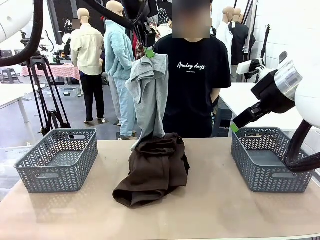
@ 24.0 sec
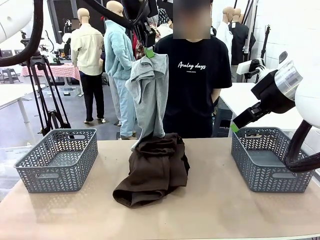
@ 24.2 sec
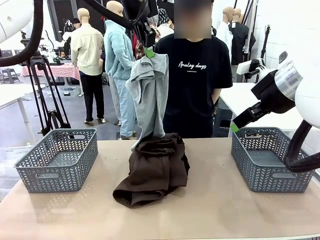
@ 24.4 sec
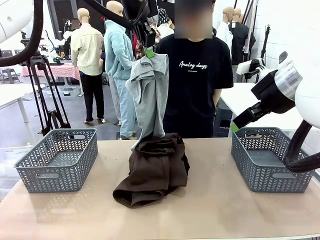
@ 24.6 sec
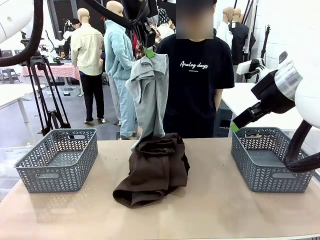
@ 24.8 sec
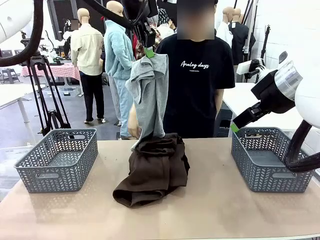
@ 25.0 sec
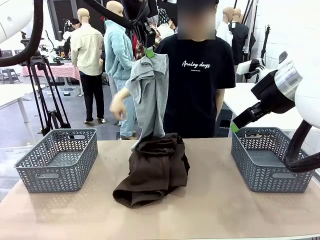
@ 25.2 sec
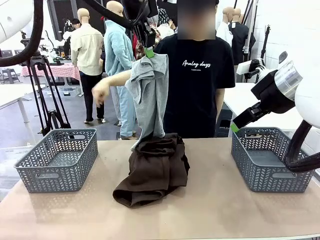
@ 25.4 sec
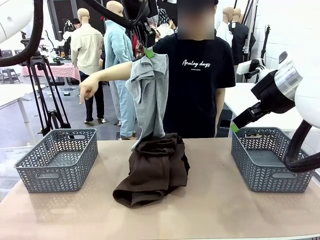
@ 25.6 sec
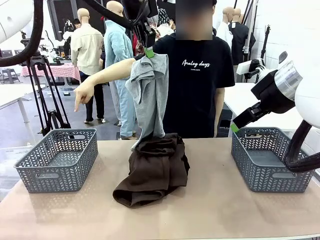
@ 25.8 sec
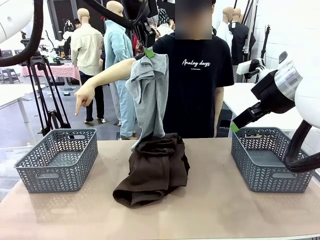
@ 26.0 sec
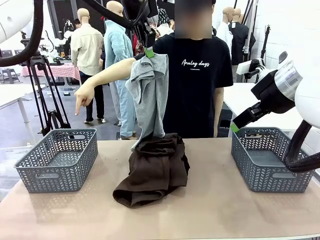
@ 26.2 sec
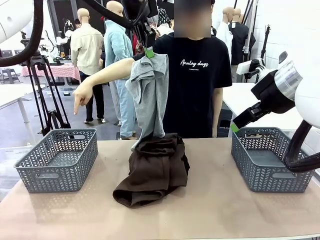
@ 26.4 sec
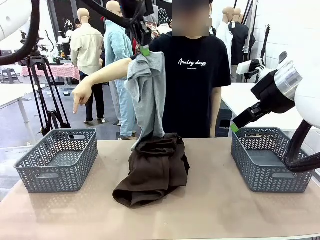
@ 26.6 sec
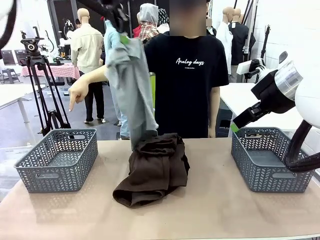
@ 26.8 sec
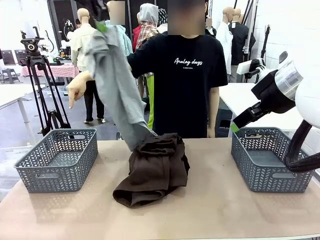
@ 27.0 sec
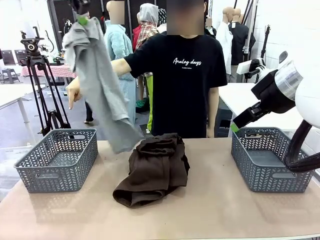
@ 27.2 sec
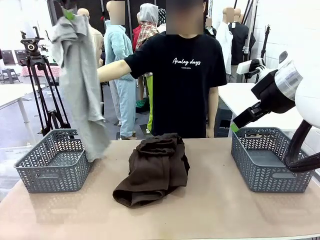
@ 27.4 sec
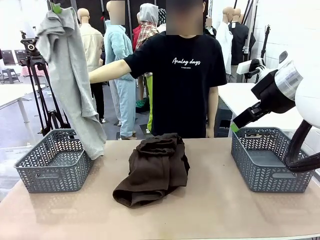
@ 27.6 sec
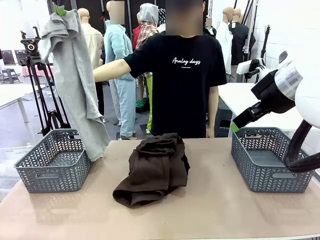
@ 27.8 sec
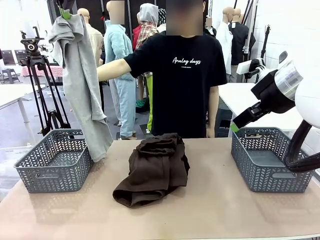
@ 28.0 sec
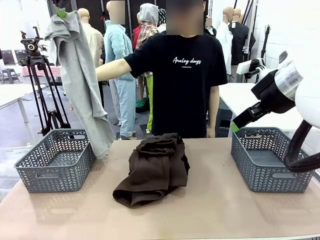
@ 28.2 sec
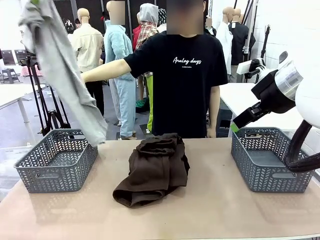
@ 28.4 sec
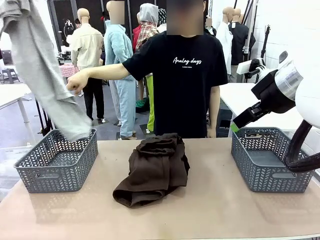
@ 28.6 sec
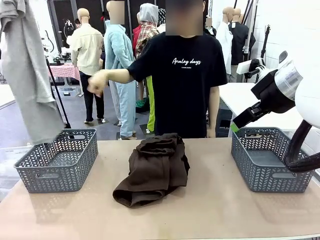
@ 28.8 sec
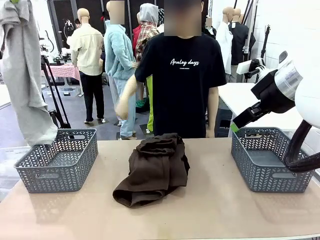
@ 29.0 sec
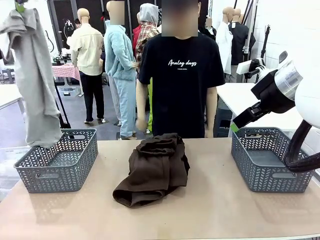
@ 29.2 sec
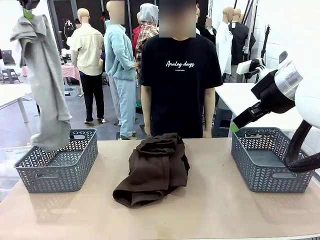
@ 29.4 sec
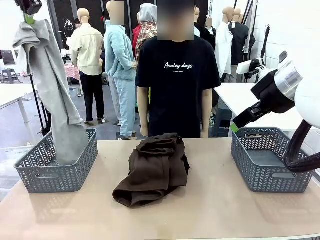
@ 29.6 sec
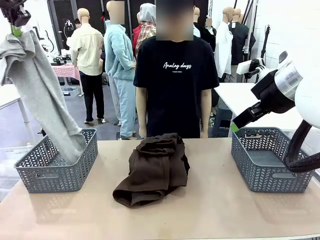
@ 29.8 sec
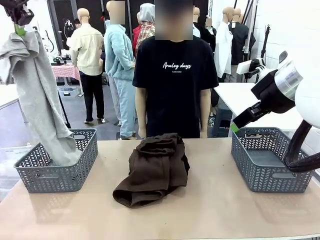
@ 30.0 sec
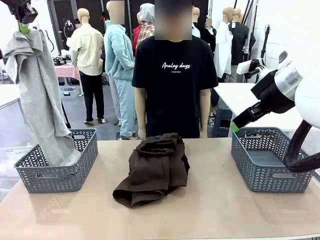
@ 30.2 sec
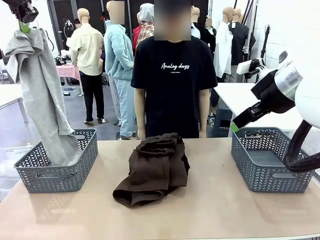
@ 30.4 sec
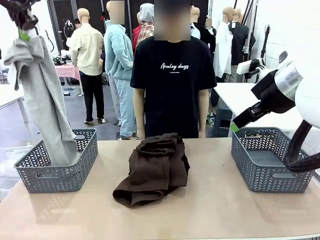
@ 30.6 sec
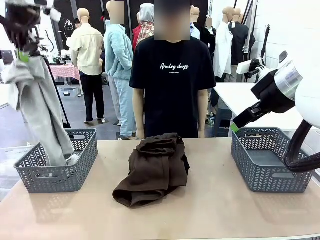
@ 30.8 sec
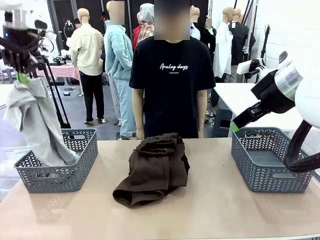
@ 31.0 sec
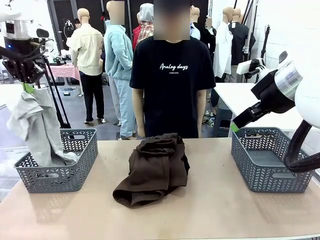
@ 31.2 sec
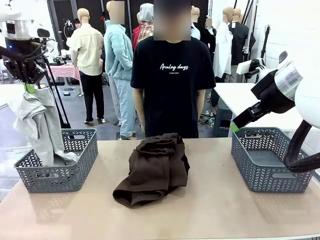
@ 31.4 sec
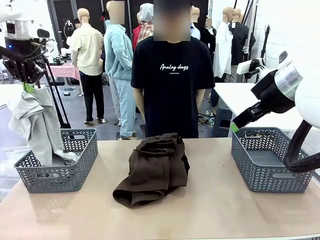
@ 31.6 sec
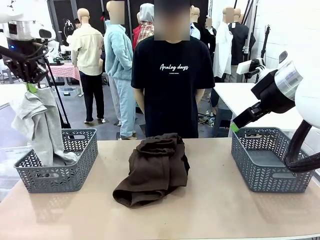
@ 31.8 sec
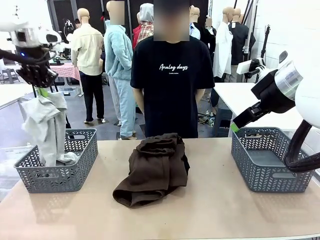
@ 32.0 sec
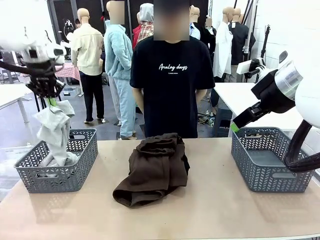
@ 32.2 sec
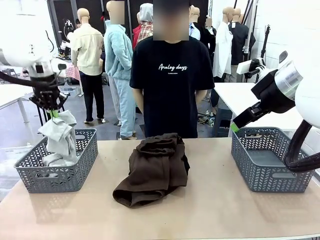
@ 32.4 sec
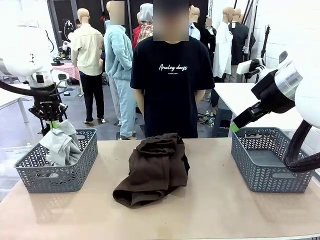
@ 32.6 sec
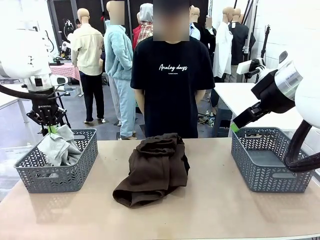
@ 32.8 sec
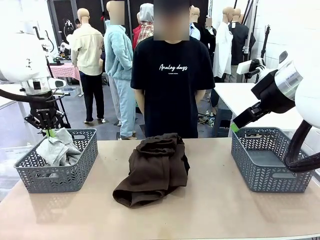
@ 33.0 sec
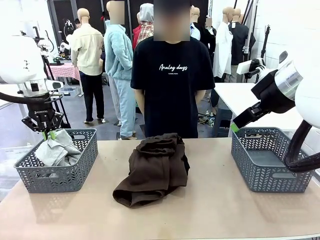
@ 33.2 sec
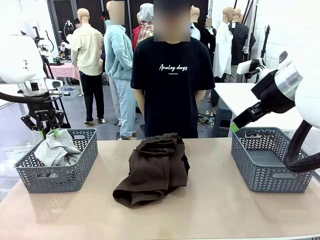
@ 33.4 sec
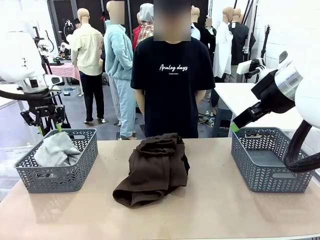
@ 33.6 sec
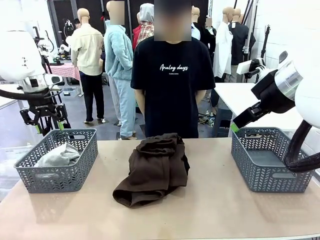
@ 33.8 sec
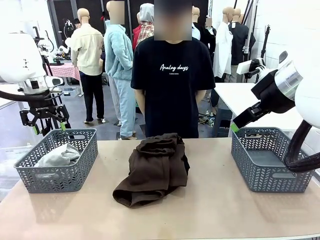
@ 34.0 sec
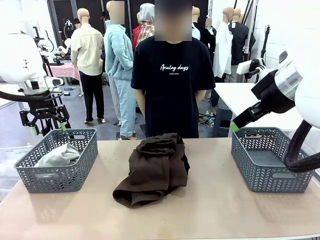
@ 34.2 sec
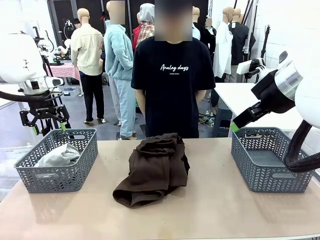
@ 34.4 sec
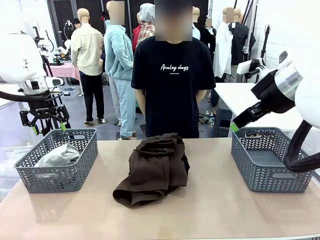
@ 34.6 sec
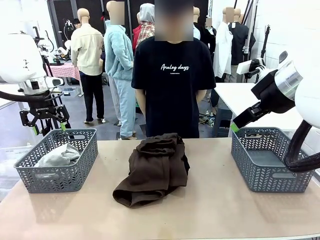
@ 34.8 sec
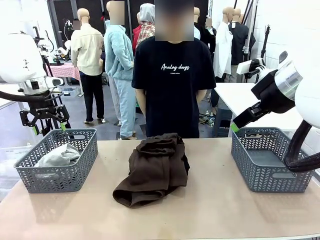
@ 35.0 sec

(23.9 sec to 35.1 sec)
Task: Sort the tops and bottoms.
Robot: Sort the clothes according to human instructions.

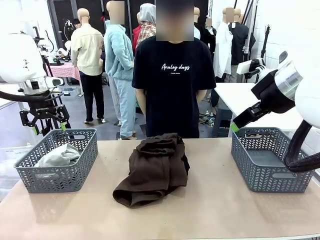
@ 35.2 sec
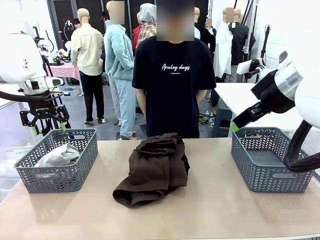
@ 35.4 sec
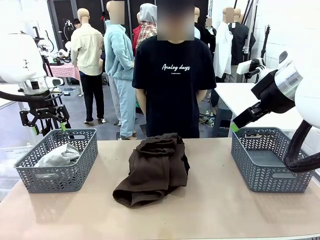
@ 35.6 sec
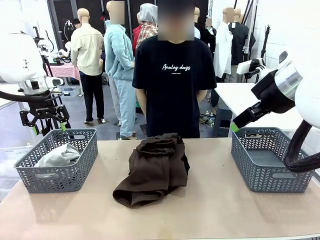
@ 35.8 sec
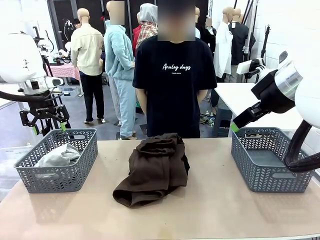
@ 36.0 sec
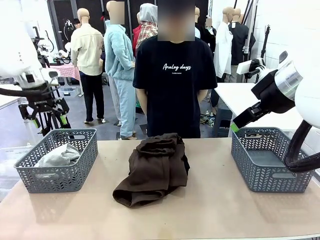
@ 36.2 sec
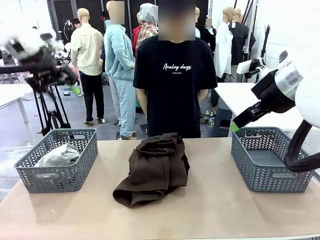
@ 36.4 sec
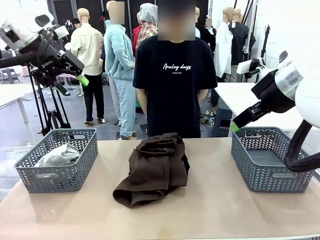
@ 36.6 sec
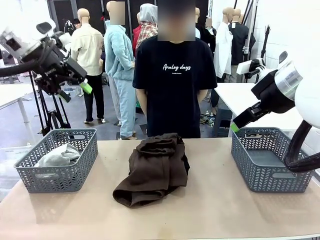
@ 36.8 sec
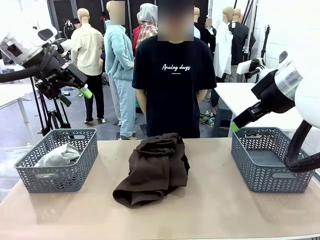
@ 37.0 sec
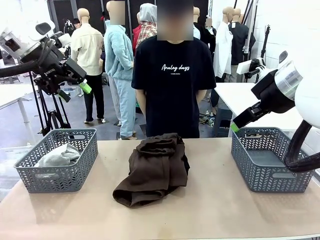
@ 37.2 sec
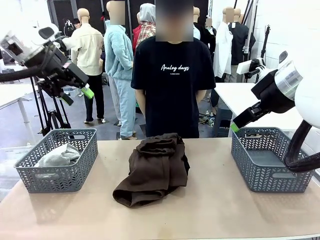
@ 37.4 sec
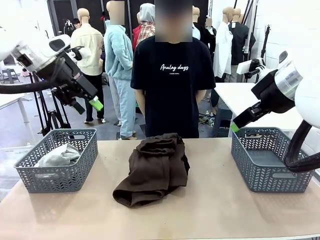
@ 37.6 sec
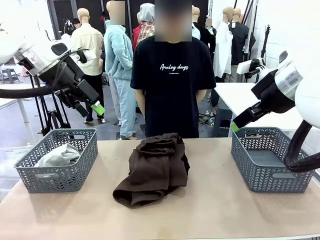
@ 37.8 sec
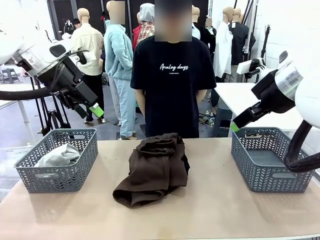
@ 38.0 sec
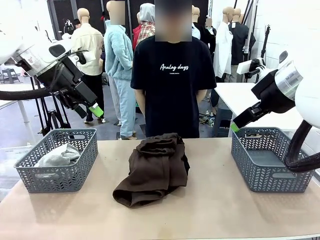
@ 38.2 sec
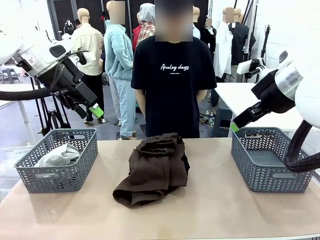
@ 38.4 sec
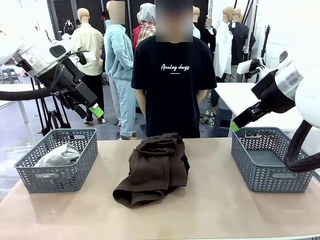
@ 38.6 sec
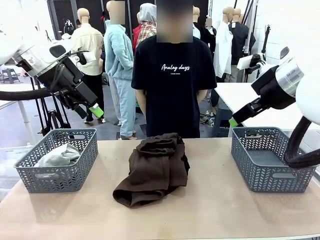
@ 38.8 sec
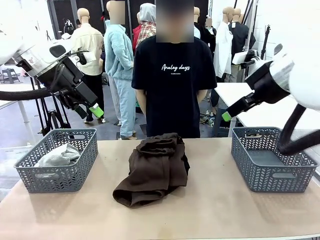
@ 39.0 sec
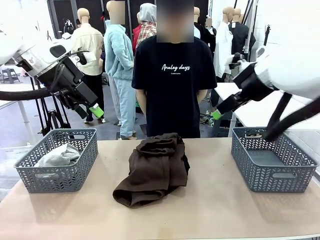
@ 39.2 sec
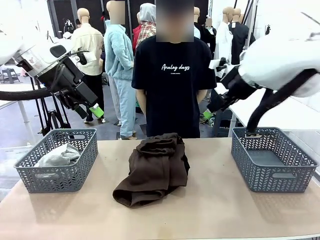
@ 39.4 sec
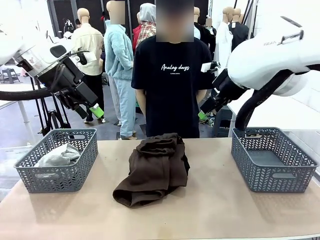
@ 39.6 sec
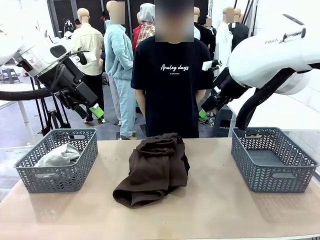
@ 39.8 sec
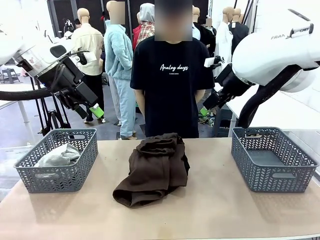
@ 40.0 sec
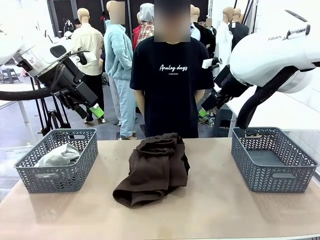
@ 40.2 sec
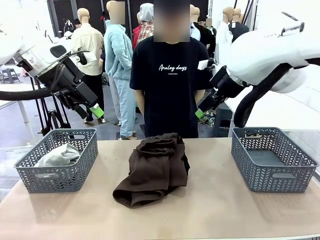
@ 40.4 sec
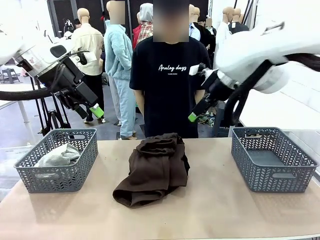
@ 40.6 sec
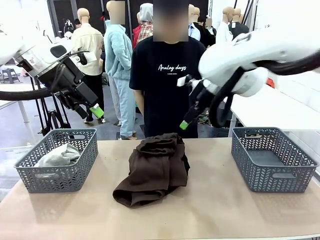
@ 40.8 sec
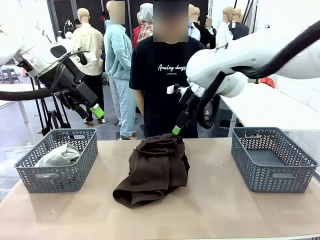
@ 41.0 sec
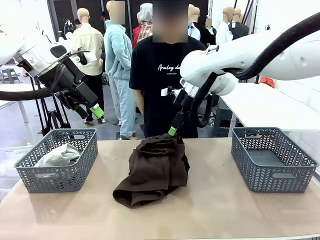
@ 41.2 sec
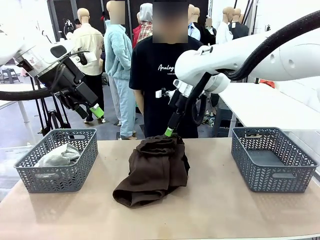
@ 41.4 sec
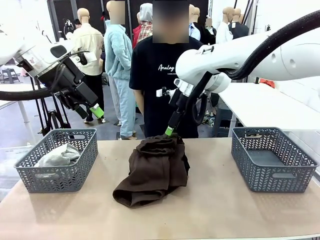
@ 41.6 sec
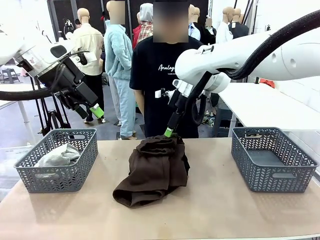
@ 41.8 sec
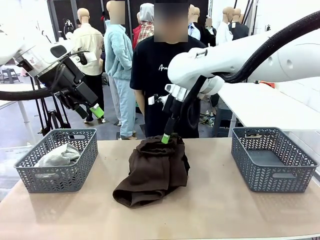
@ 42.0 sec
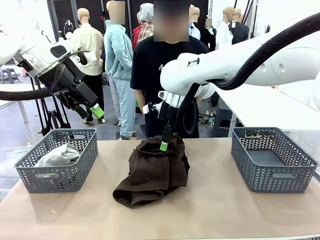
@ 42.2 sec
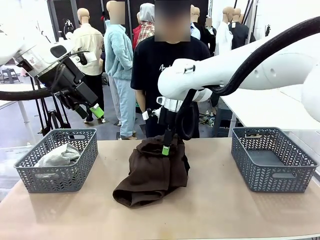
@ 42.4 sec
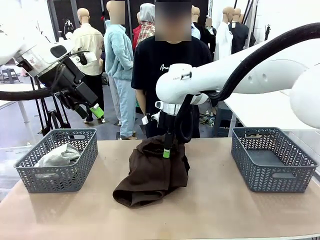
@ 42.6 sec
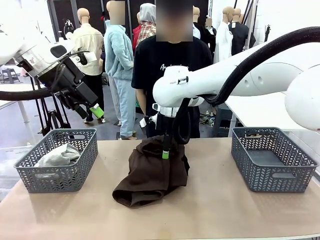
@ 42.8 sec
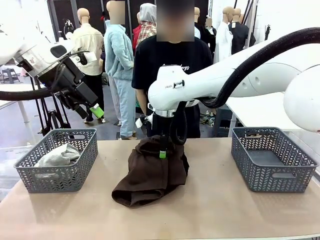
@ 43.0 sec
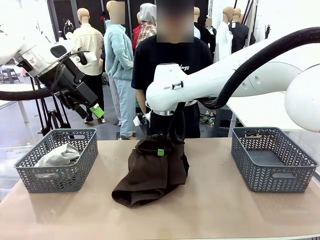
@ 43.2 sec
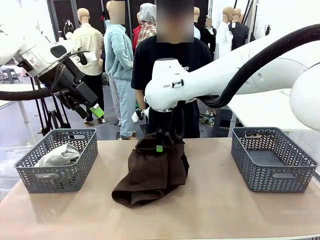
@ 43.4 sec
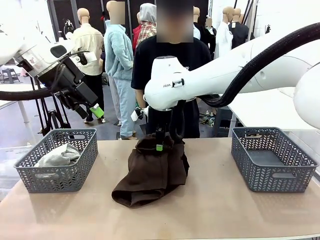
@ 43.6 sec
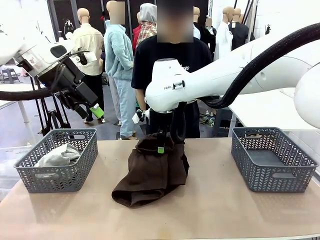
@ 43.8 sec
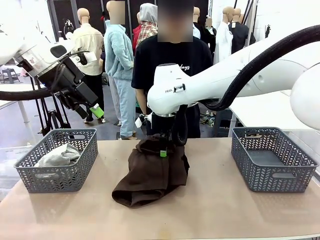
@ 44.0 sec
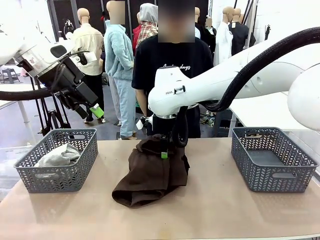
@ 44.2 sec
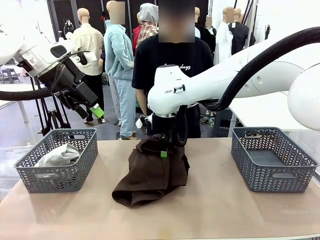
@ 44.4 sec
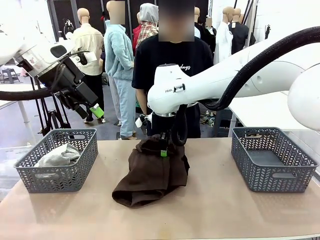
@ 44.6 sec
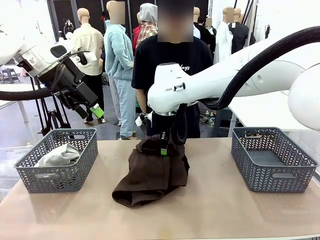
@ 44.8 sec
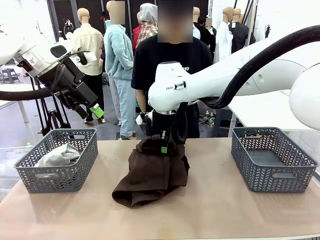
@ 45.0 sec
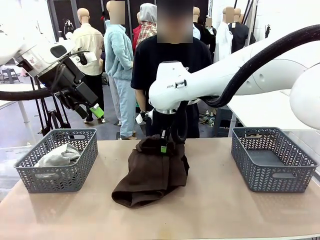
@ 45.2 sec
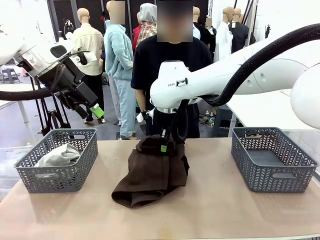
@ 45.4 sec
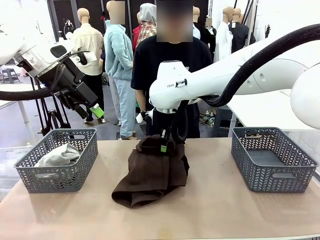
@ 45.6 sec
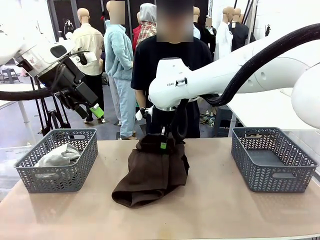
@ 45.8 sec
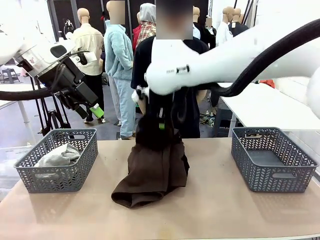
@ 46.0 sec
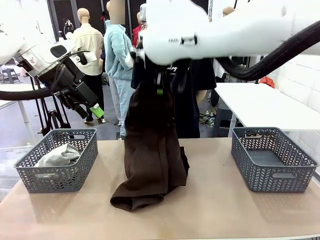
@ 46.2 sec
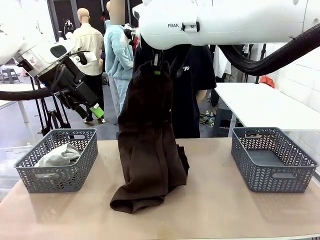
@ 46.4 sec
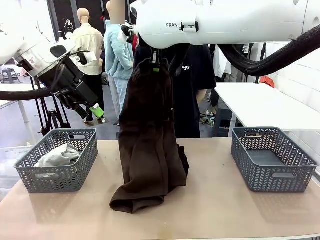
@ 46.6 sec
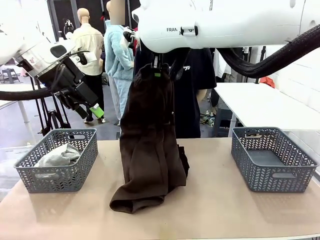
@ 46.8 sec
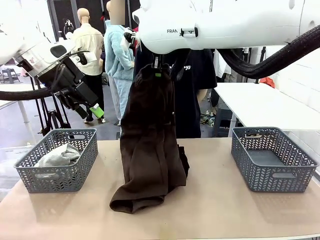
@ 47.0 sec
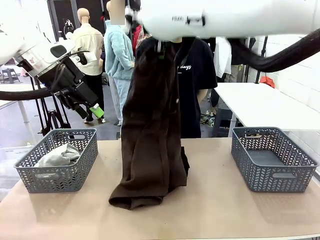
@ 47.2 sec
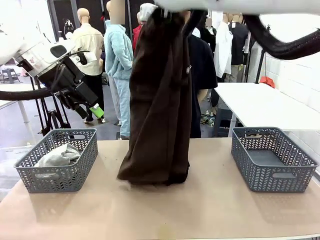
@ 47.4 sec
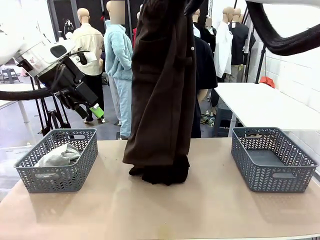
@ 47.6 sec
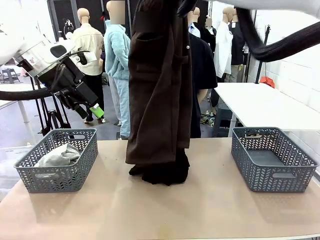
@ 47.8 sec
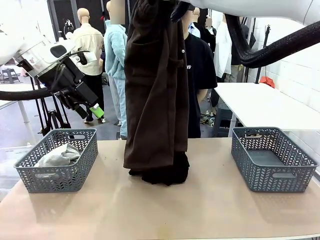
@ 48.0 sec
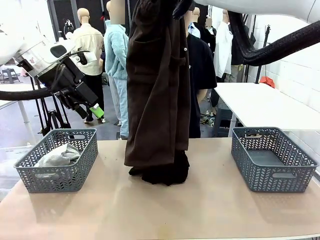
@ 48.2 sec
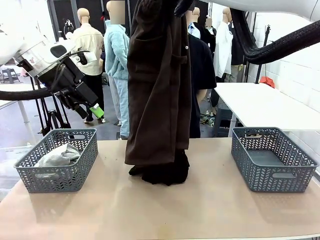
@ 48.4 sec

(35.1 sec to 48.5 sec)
Robot: Lift clothes from the center of the table with your right hand.
